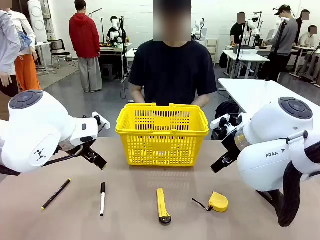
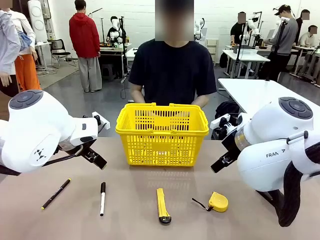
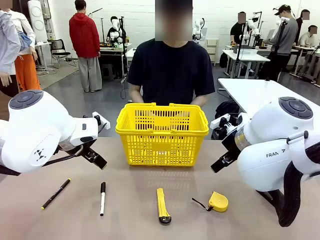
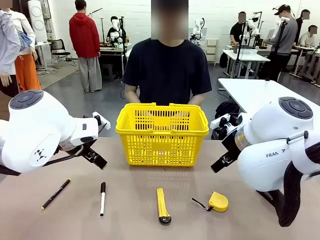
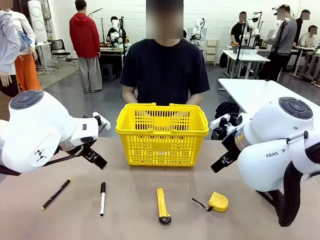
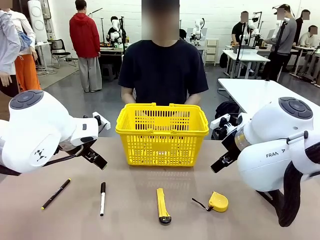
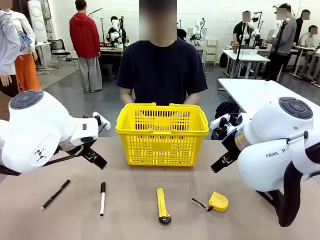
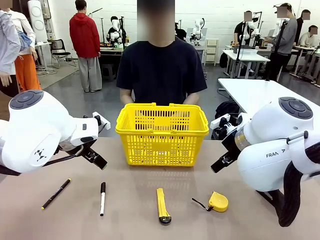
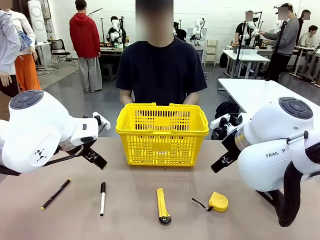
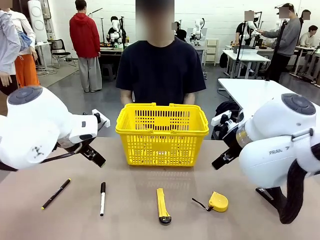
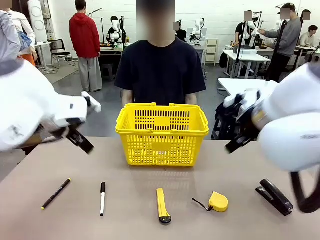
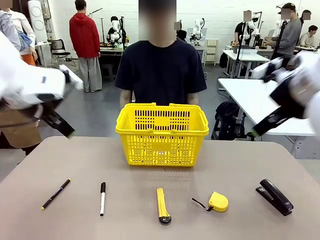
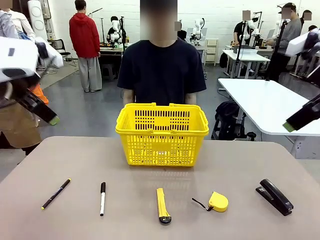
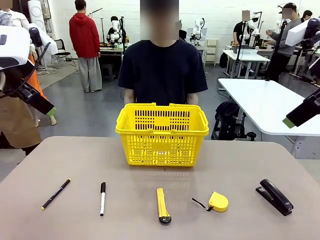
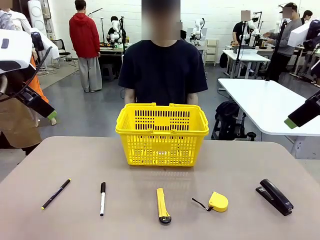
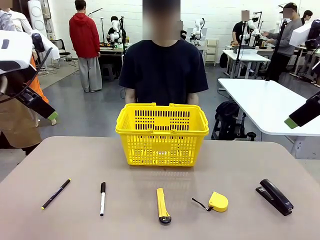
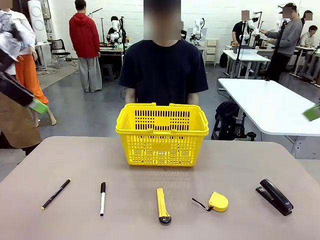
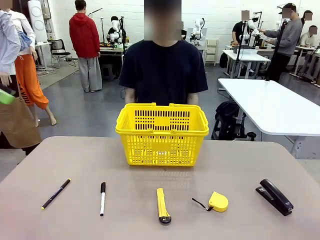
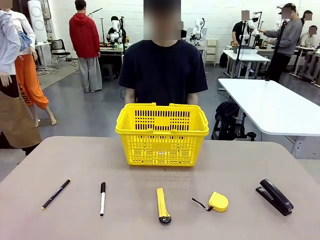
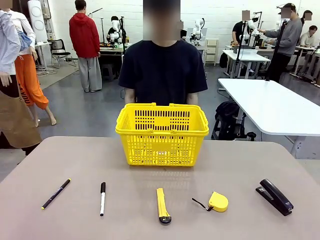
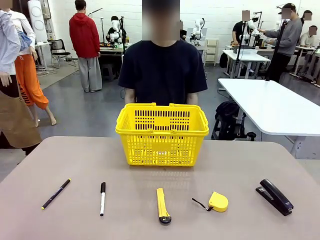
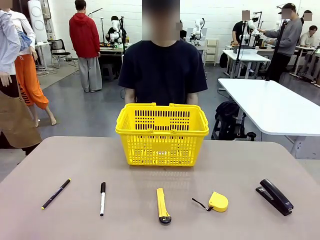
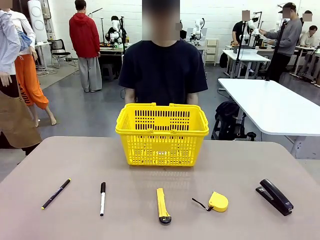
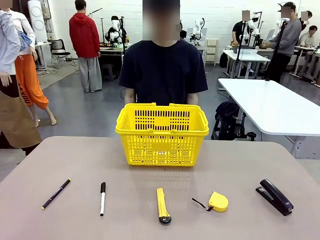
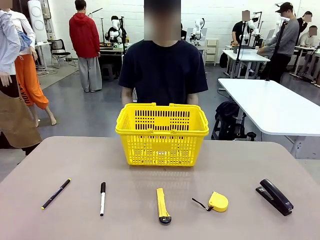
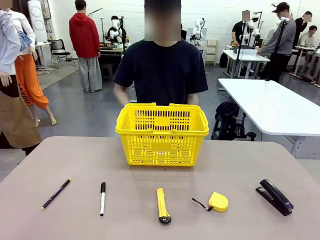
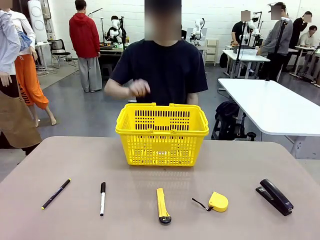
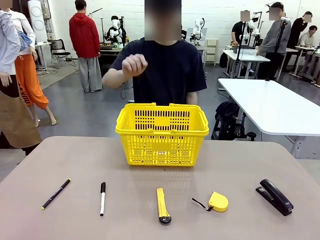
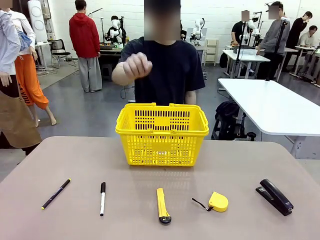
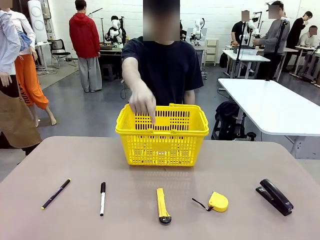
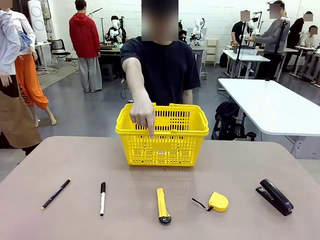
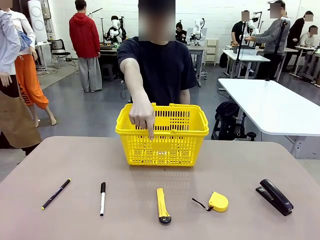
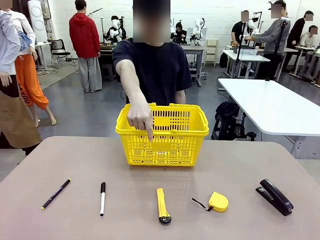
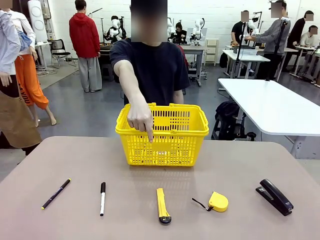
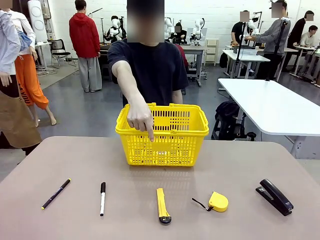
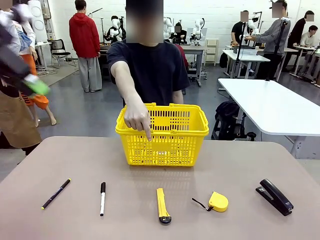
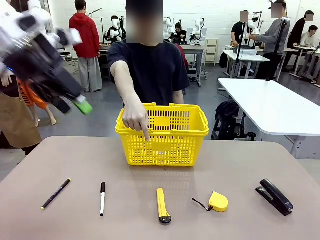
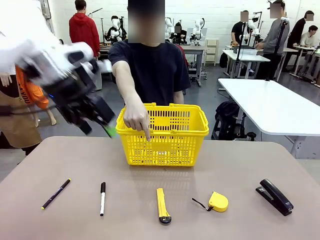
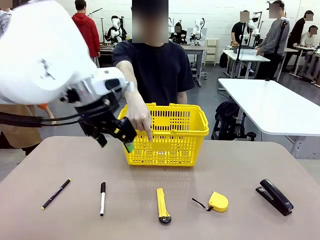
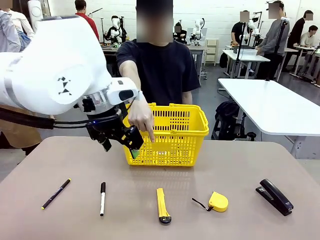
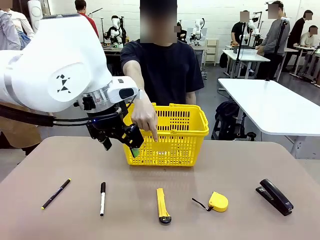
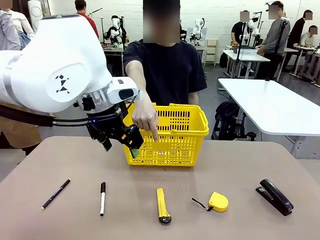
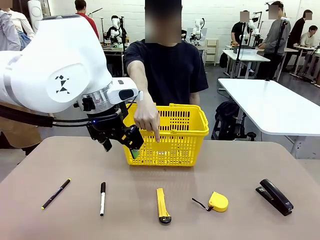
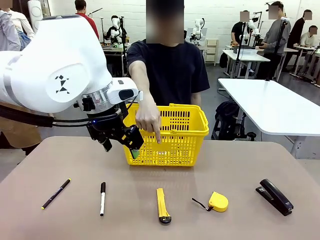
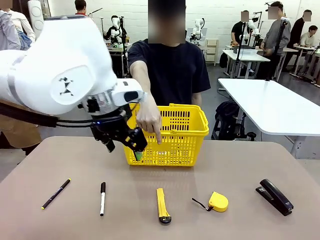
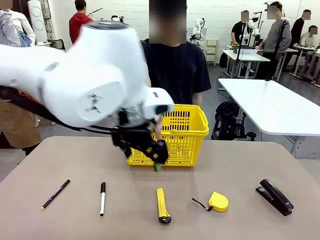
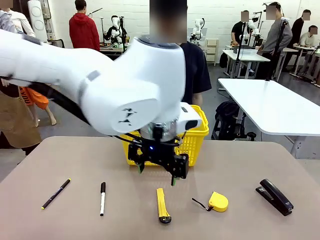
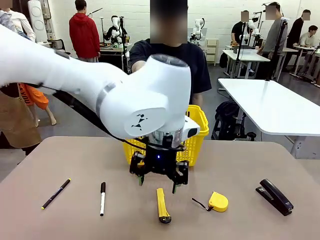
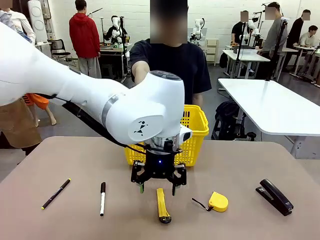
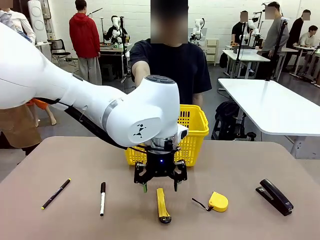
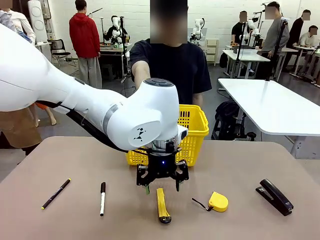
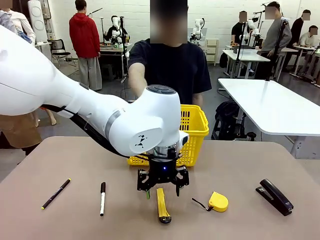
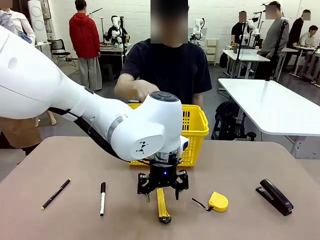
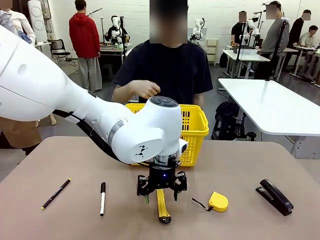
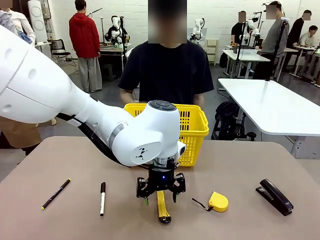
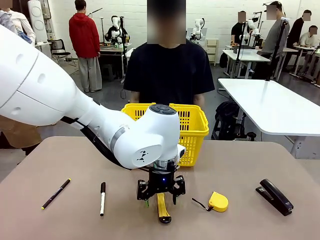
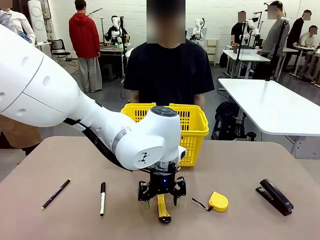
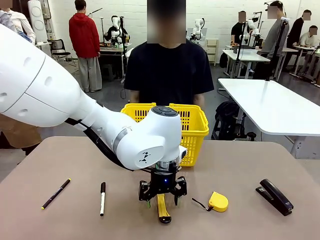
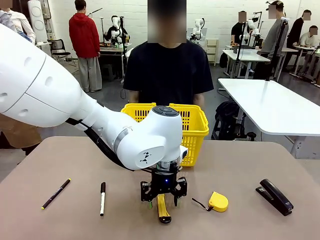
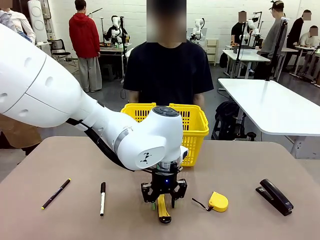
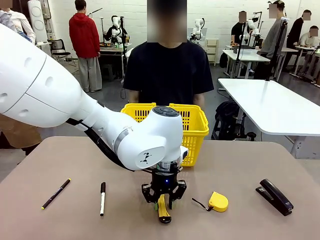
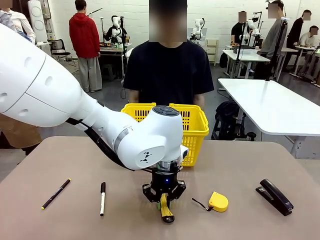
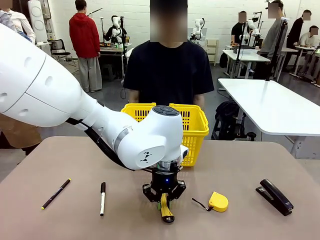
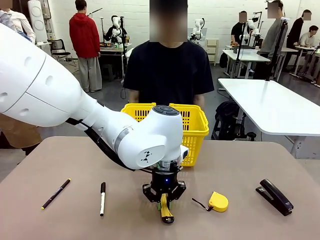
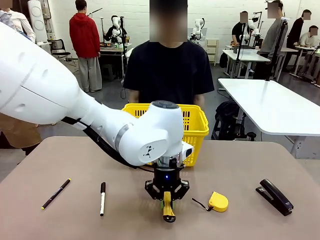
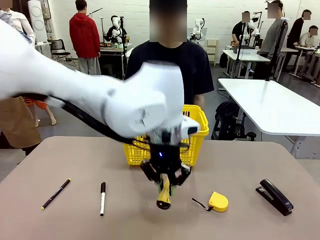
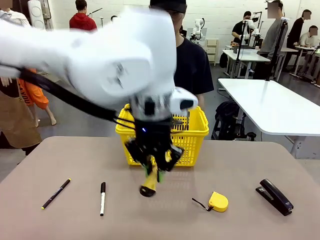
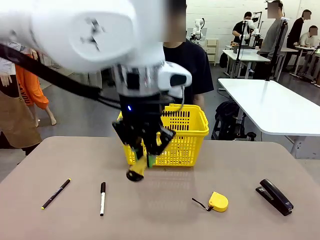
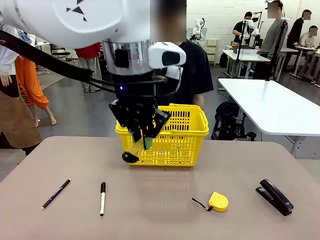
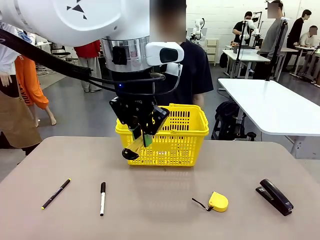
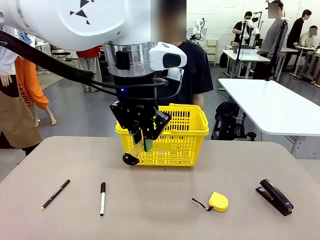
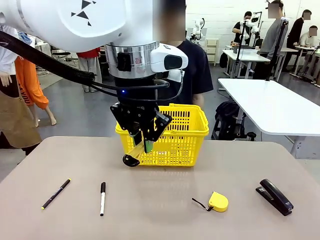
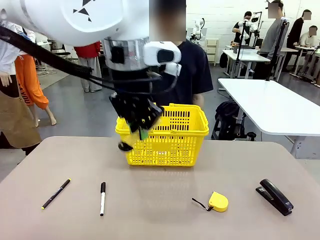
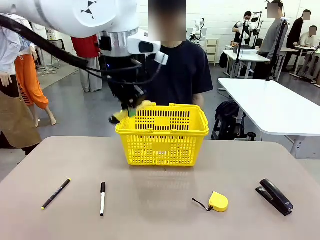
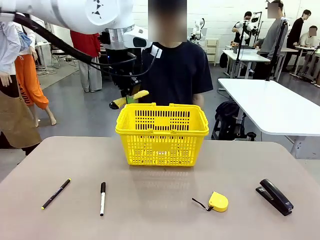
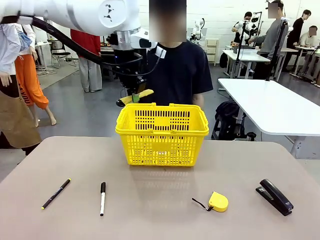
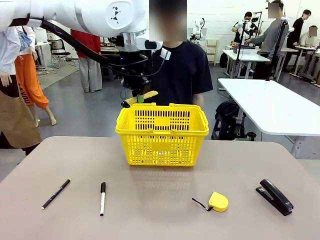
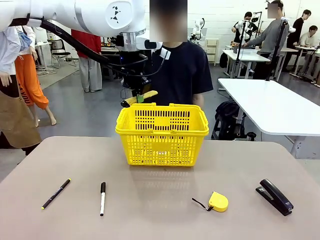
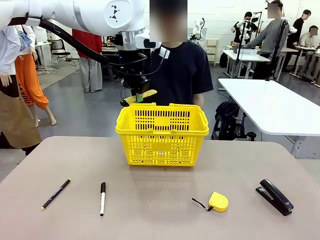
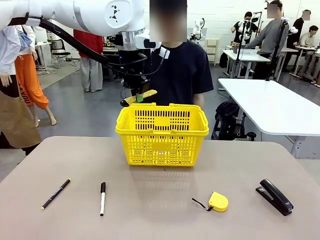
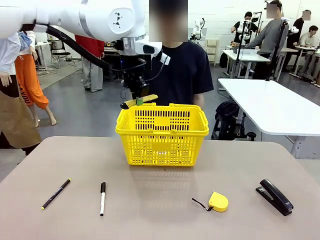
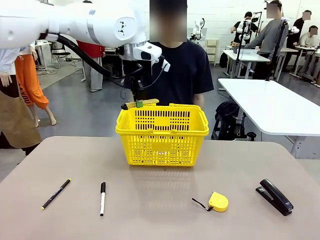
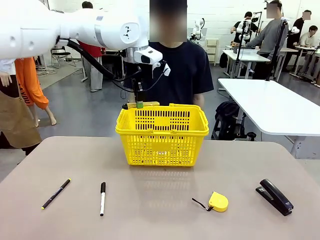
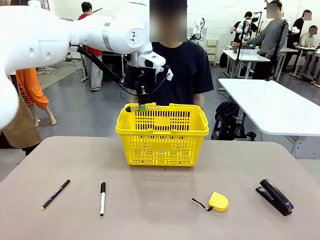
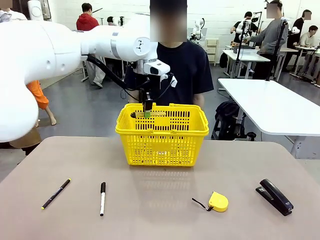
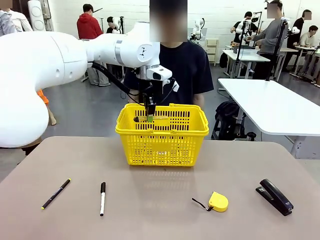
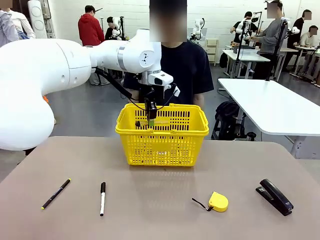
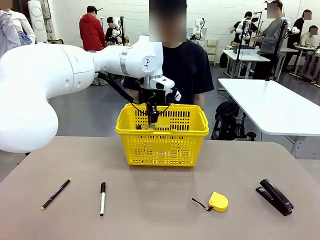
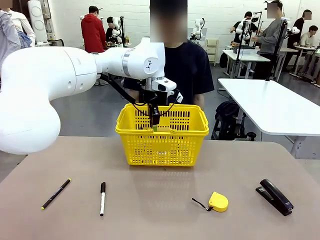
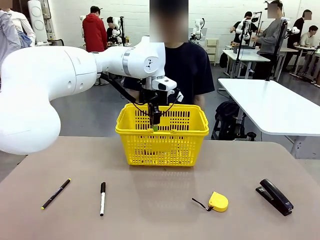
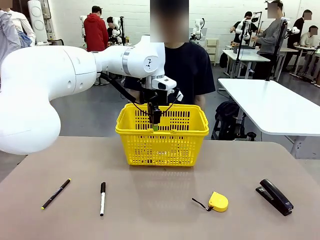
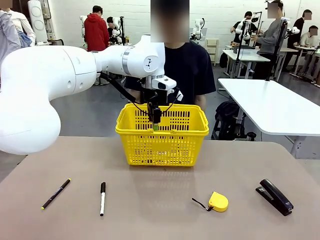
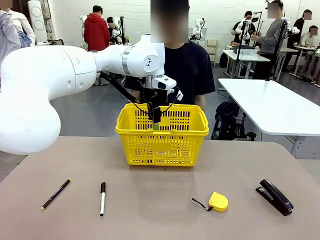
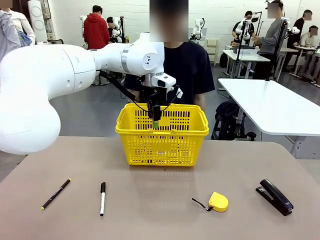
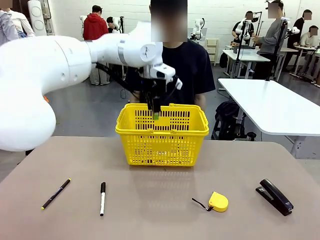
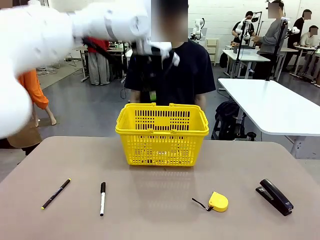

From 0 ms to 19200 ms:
Task: Place the items the person wants into the basket.
Robot: Pick up the item the person points to and place it in the Market Basket.
